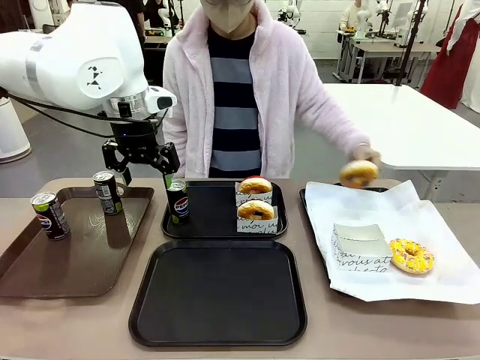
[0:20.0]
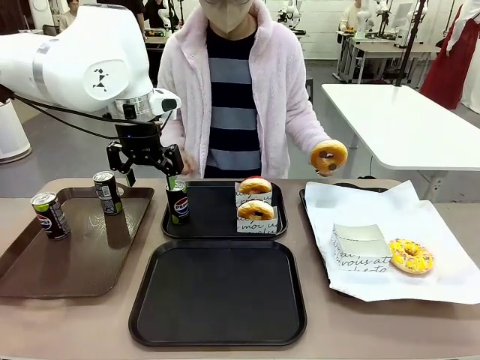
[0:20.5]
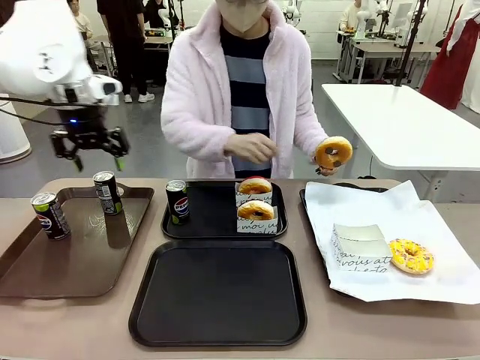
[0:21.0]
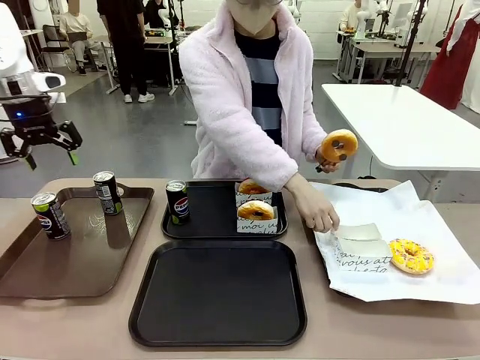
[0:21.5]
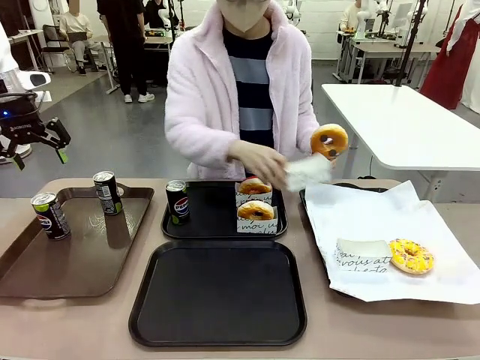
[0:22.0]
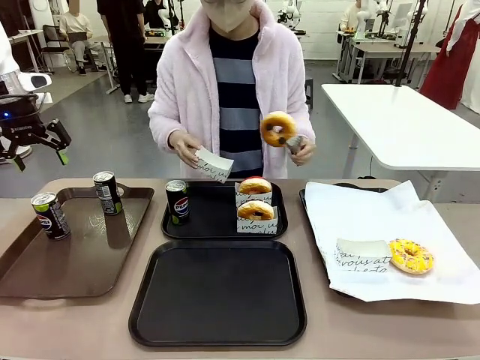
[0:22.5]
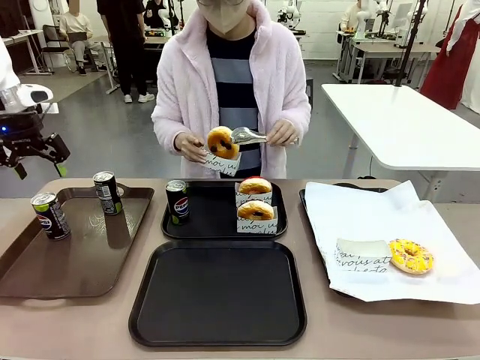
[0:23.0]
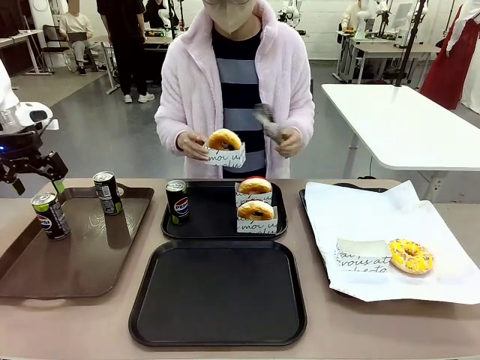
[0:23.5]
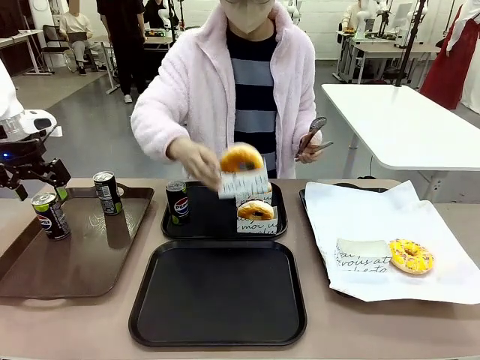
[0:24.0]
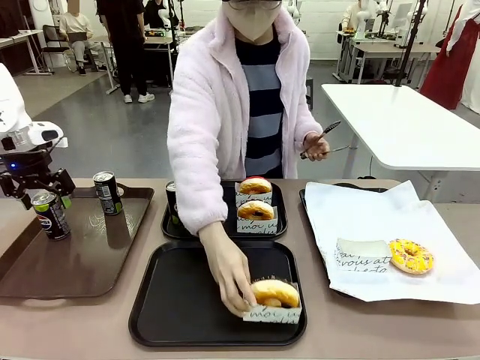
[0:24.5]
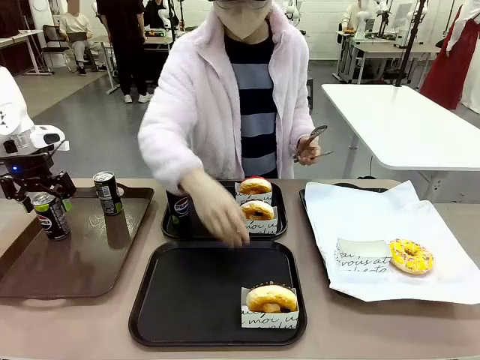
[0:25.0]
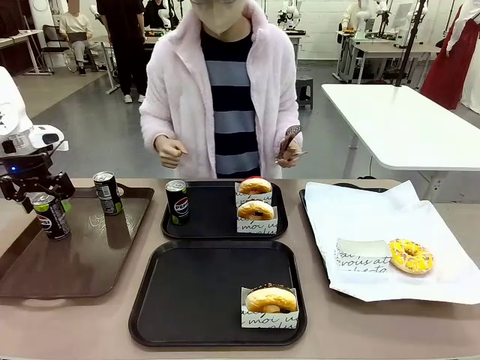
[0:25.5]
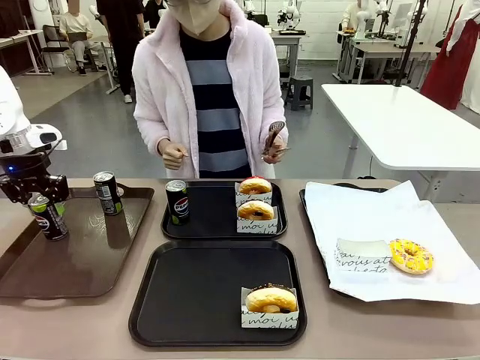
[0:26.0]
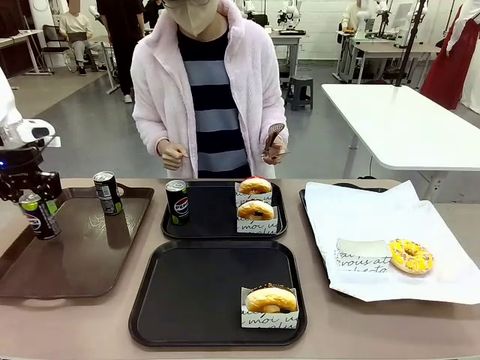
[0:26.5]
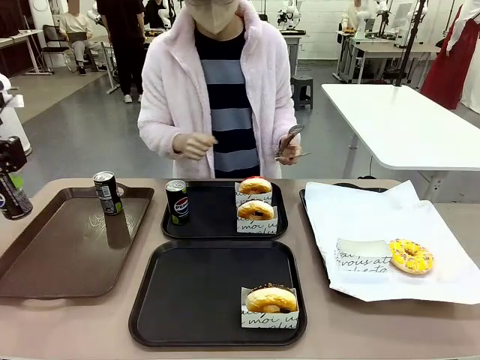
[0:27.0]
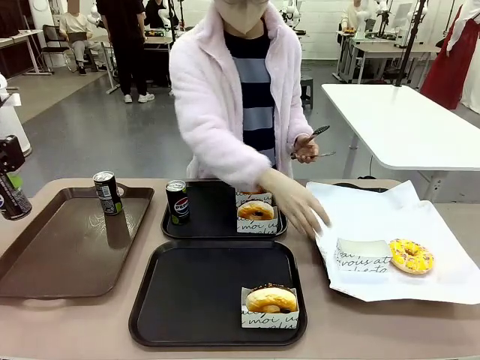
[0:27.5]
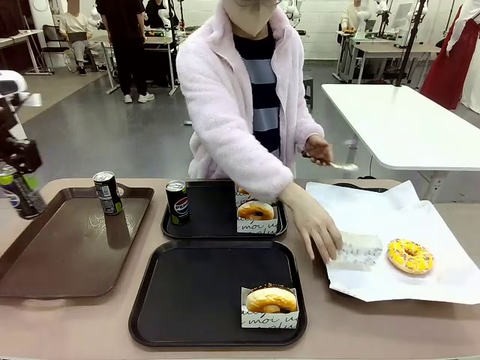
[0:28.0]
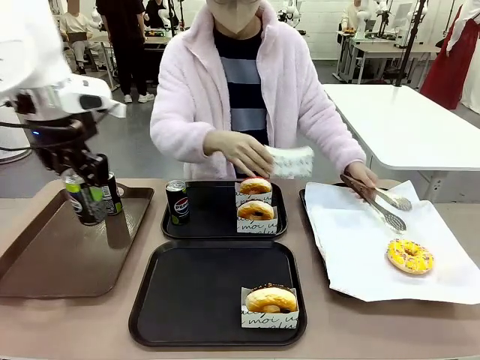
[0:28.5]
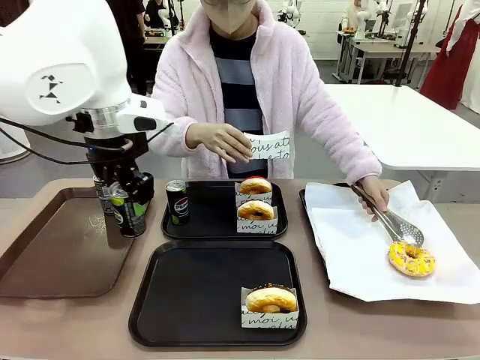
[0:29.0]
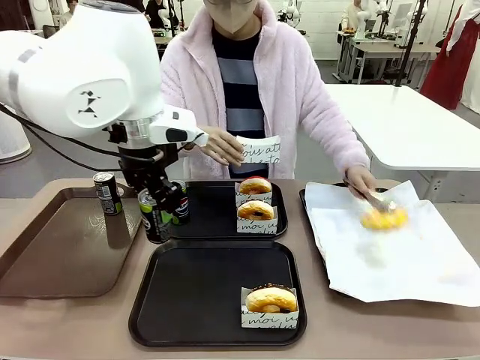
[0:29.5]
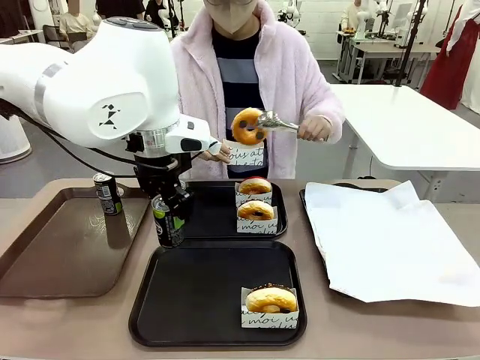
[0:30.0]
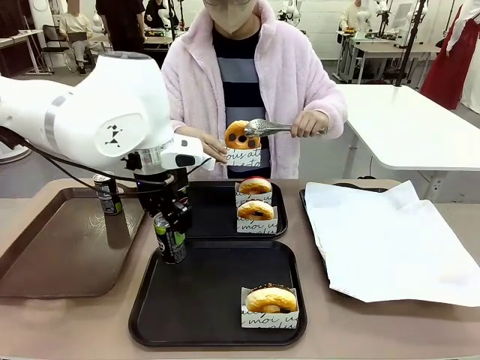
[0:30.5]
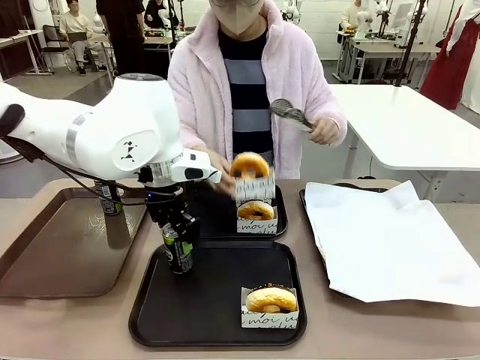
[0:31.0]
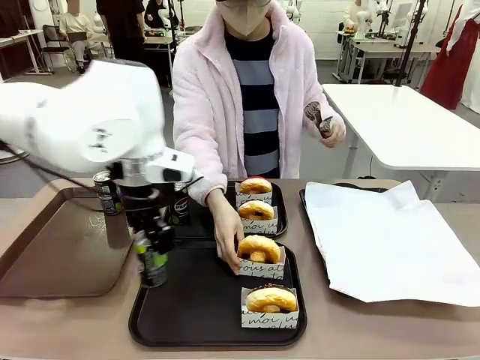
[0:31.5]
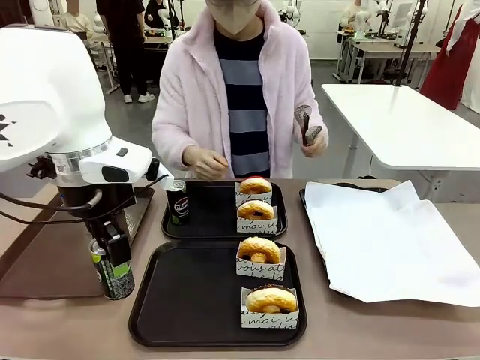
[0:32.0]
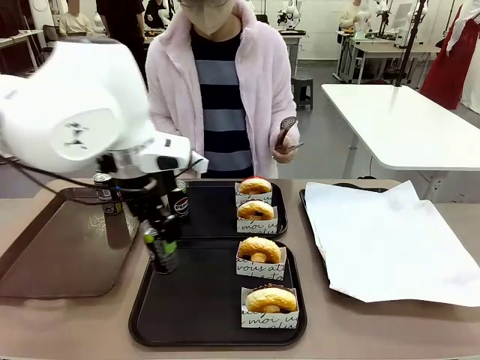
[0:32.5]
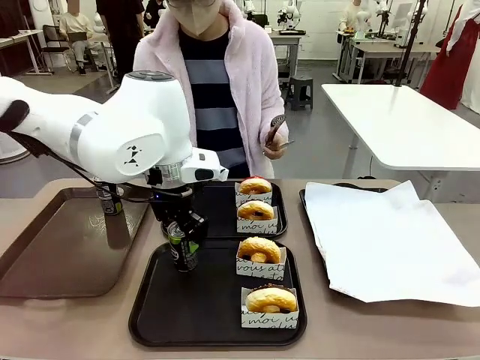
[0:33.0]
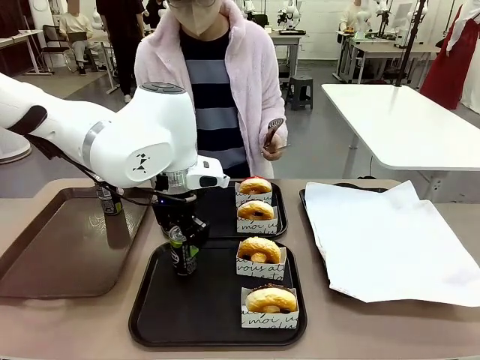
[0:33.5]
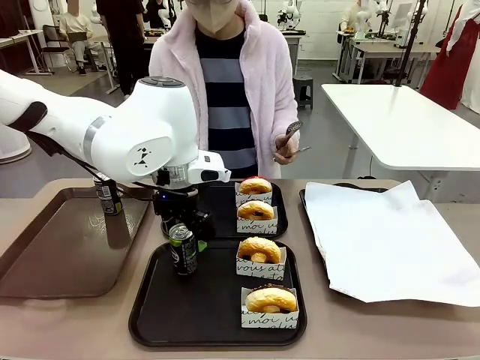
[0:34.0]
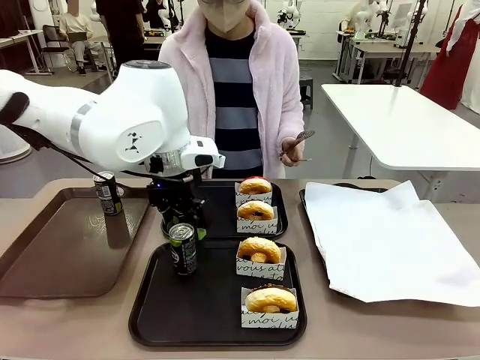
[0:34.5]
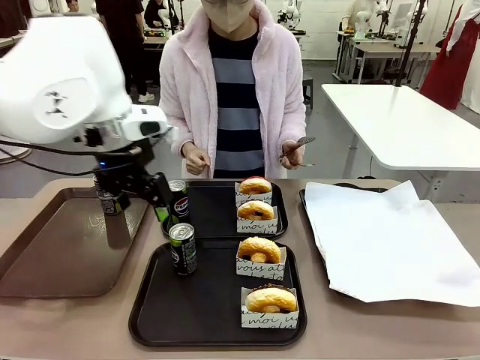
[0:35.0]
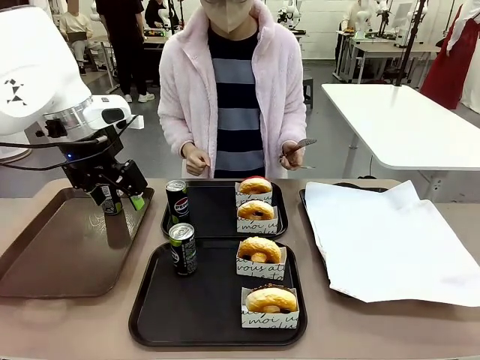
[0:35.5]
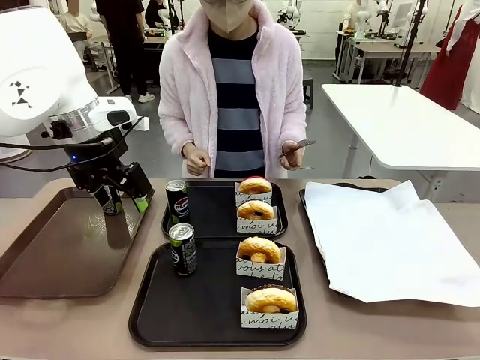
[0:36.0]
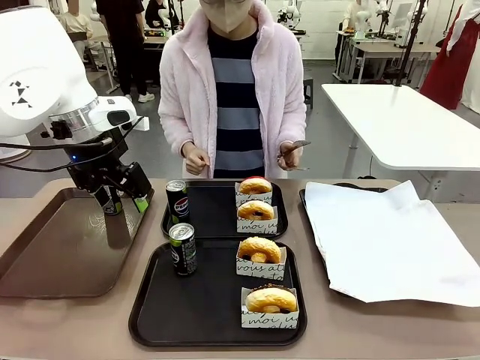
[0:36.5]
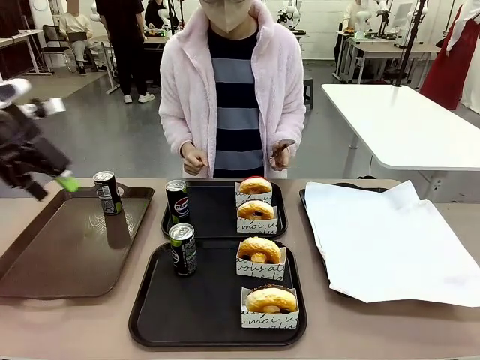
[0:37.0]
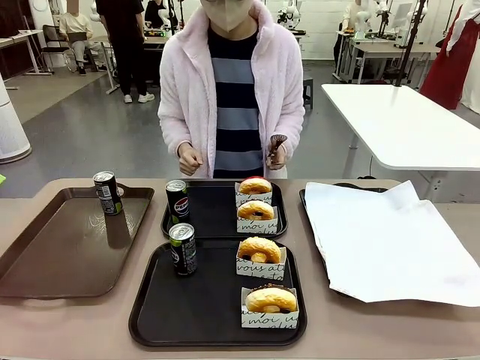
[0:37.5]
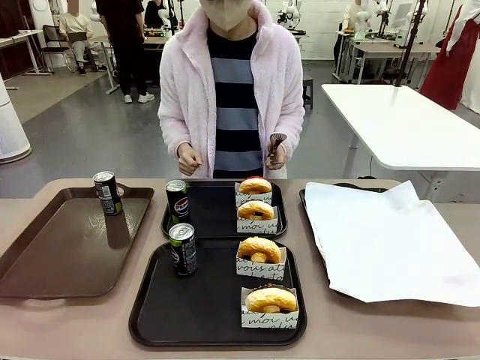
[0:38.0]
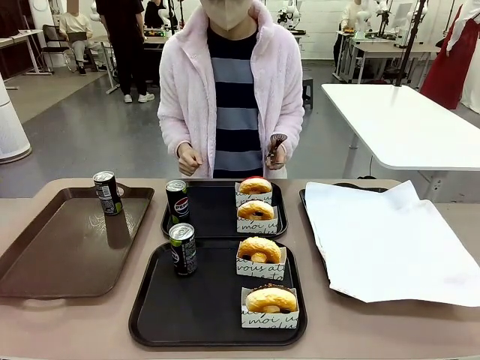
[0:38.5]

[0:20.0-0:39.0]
Task: Set up donuts and drinks on trays.
Robot: Pick up one Pepsi coke from the Handle tray and place it on the Flat Tray without a Pepsi coke.
